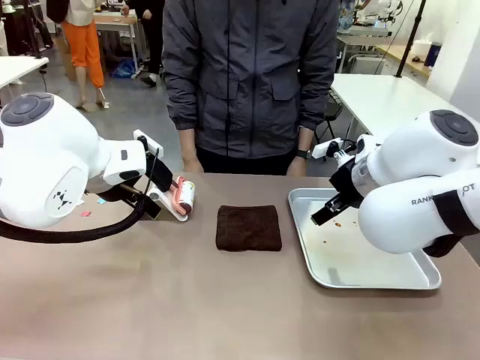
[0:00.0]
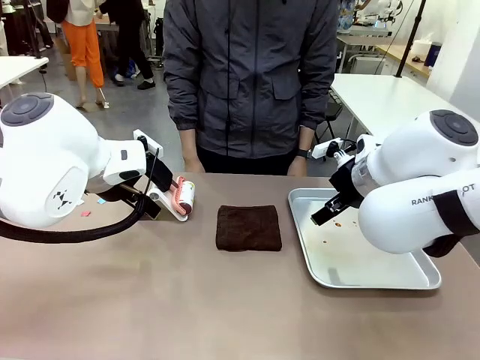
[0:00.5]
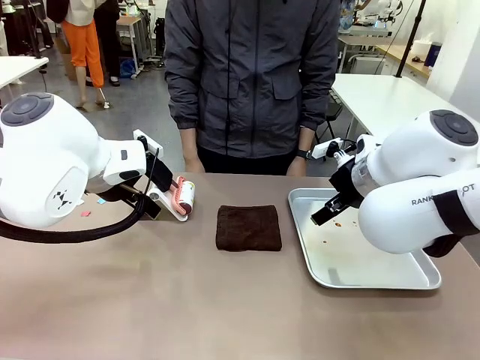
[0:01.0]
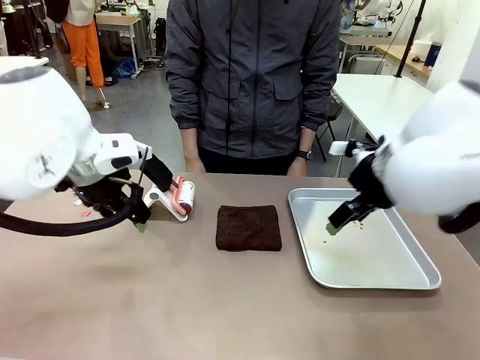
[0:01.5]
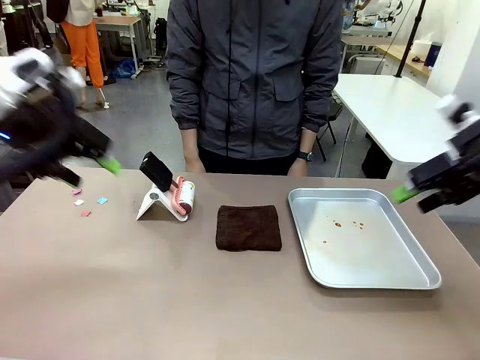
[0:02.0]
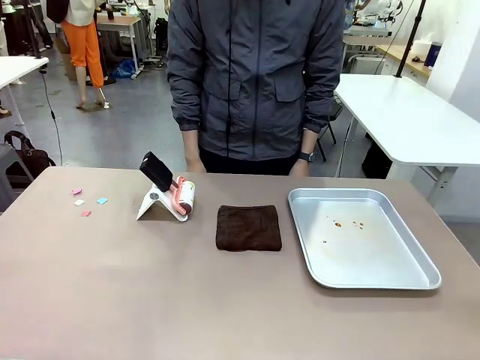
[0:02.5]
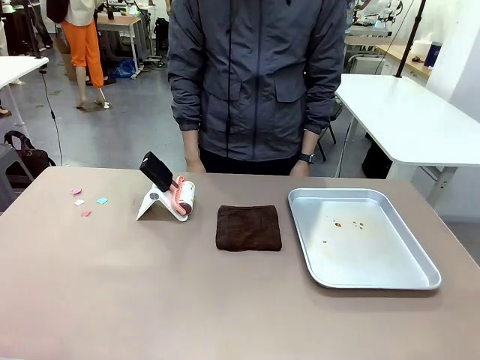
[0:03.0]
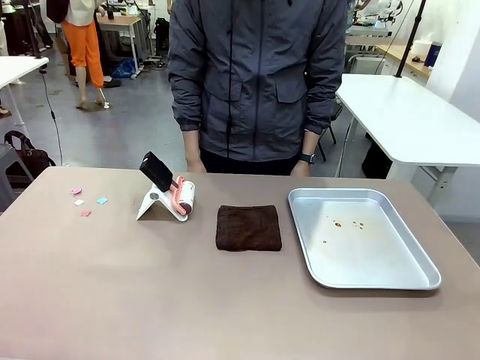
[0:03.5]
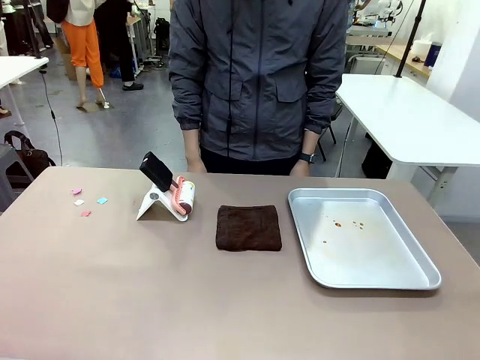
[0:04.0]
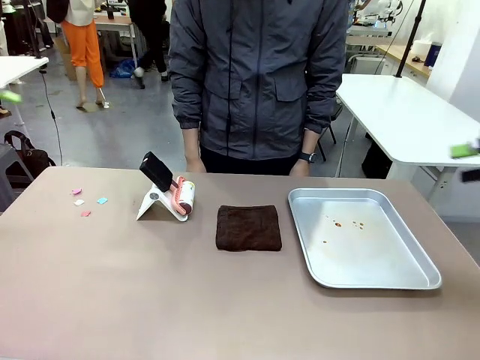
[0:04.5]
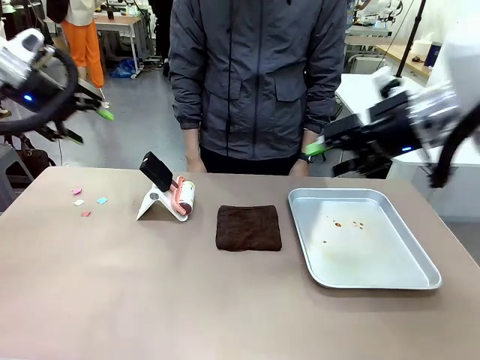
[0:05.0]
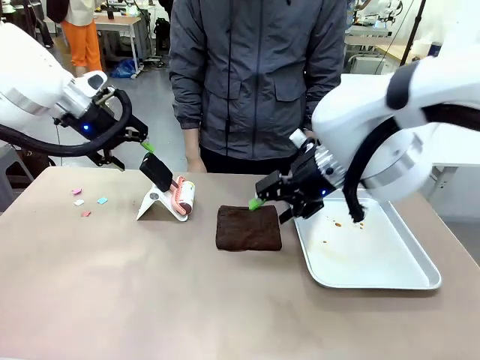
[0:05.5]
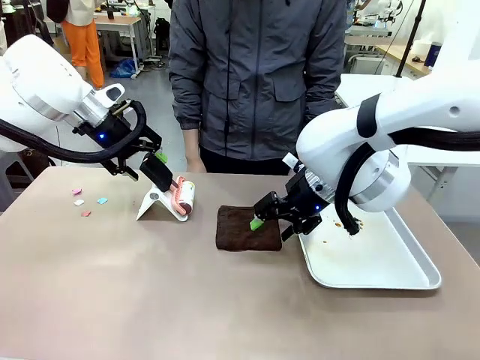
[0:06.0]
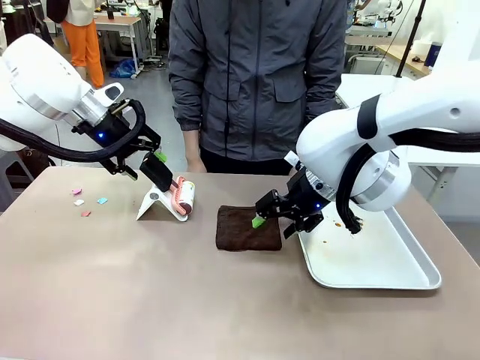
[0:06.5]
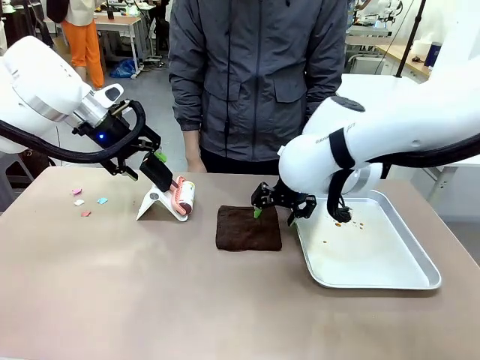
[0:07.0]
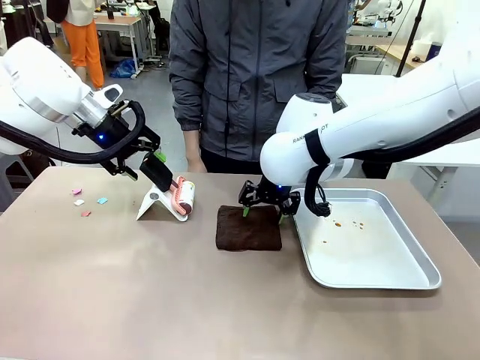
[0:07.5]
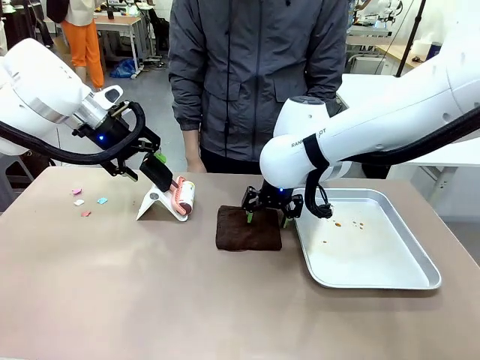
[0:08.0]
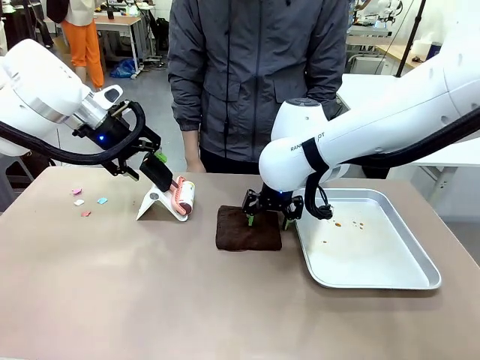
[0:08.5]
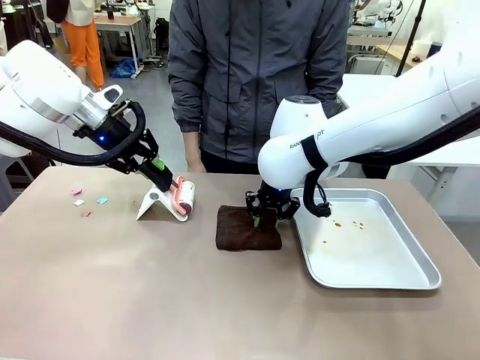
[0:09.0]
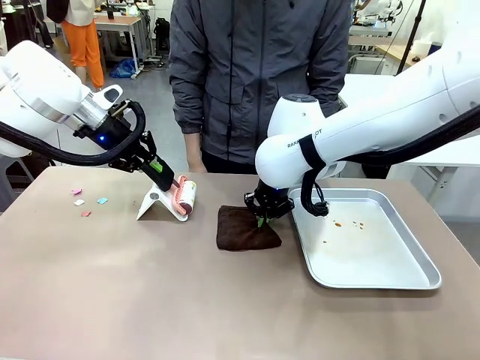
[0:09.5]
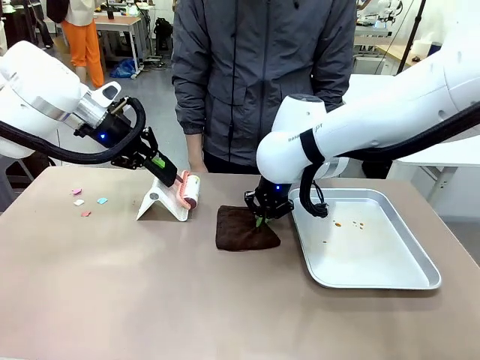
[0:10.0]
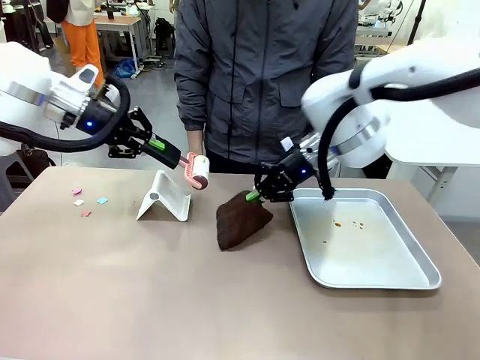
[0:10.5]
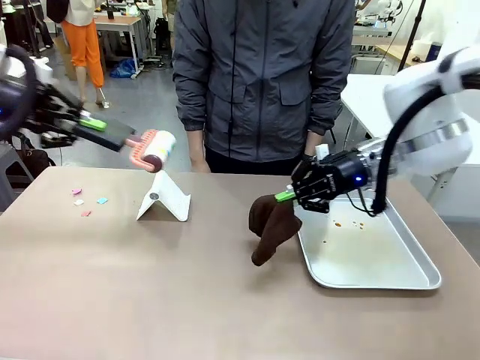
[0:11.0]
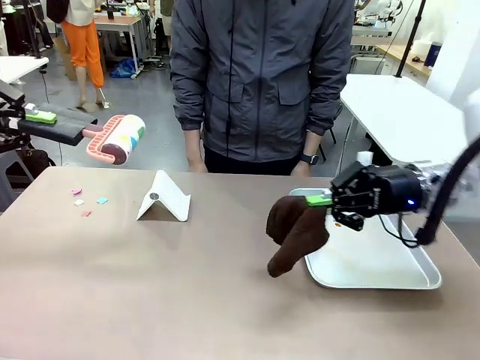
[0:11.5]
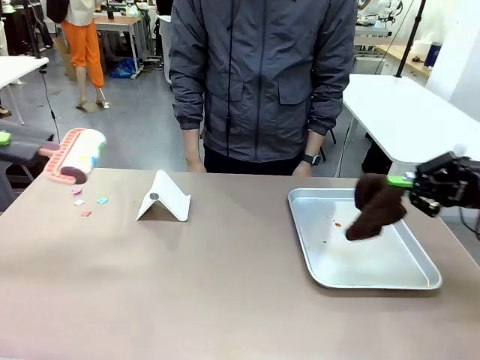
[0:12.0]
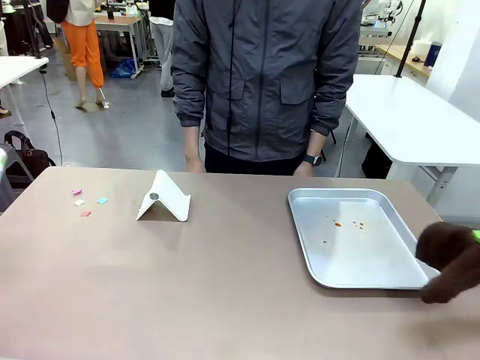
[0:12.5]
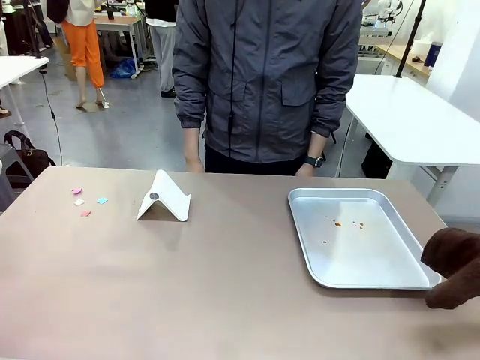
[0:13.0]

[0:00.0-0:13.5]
Task: Clean the surface of the table.
Robot: Hold the Lint Roller with your left hand and the towel with your right hand.

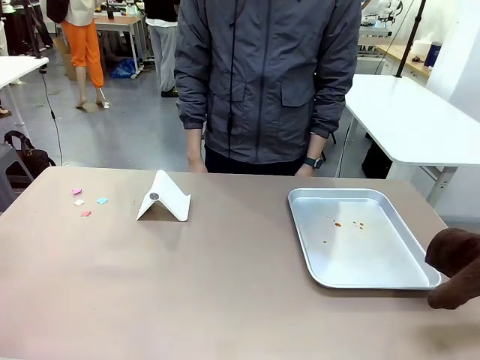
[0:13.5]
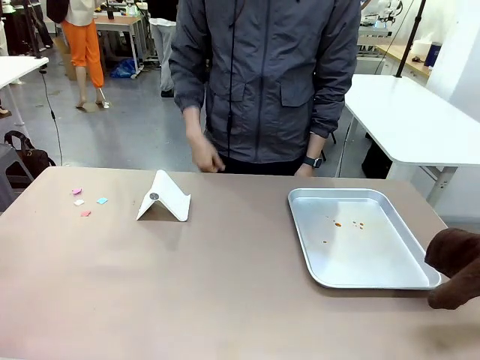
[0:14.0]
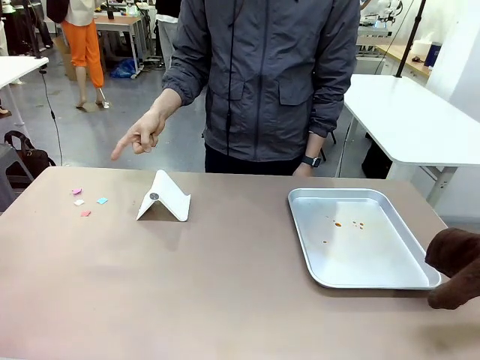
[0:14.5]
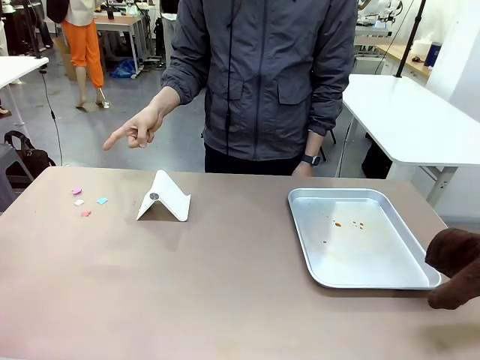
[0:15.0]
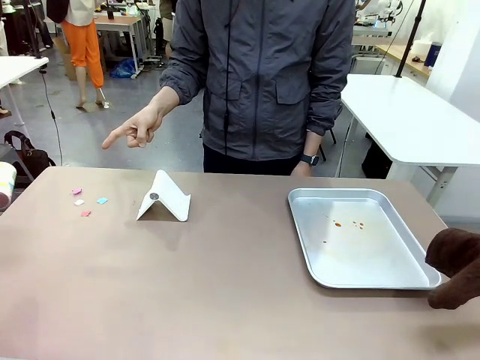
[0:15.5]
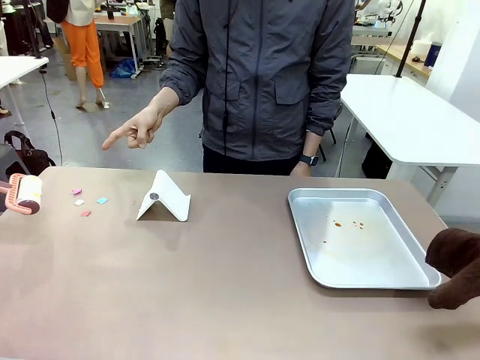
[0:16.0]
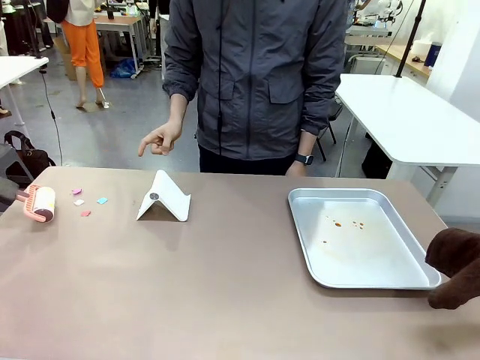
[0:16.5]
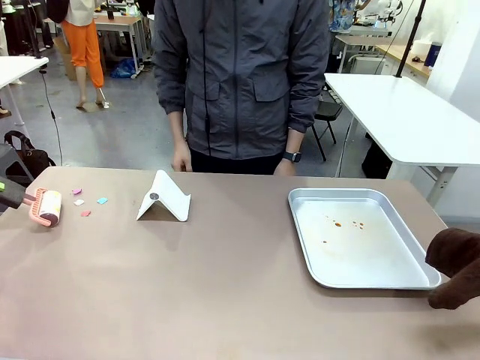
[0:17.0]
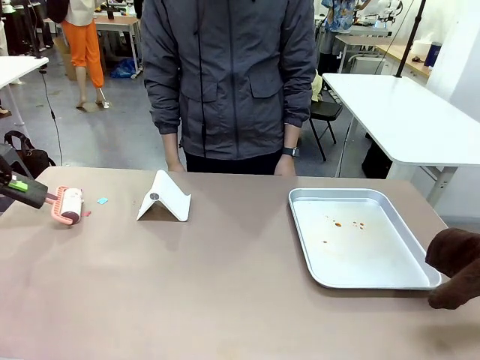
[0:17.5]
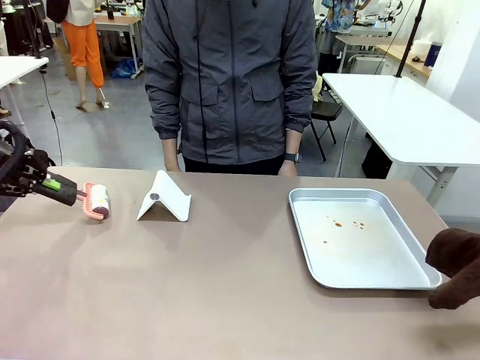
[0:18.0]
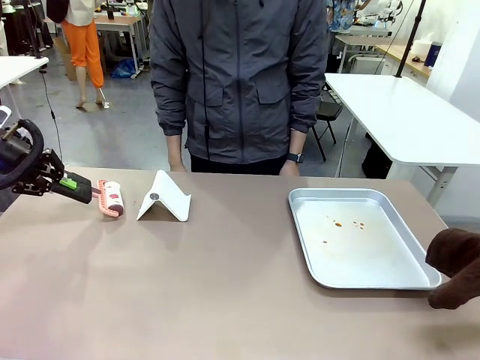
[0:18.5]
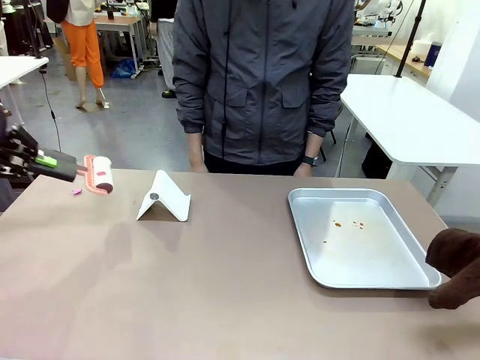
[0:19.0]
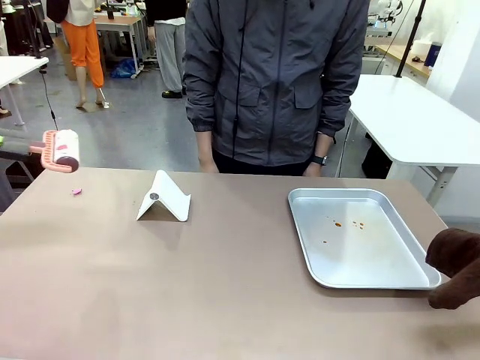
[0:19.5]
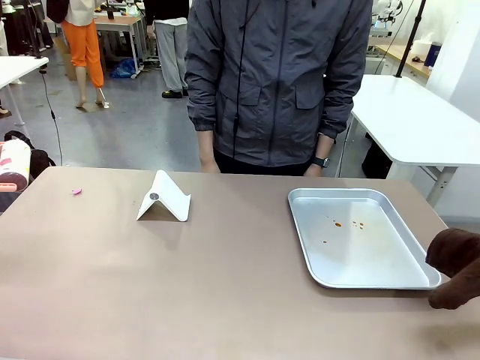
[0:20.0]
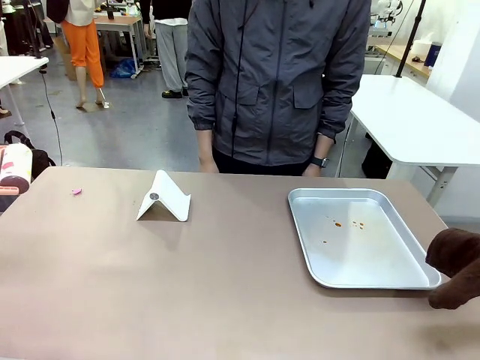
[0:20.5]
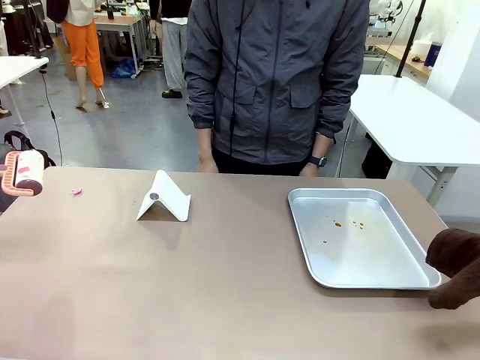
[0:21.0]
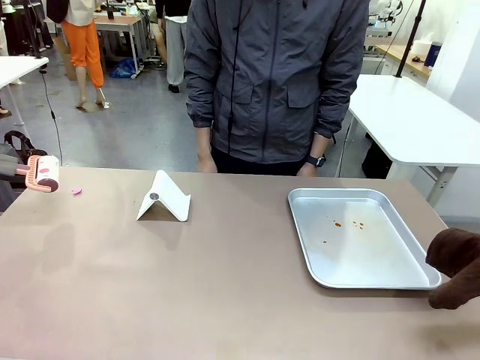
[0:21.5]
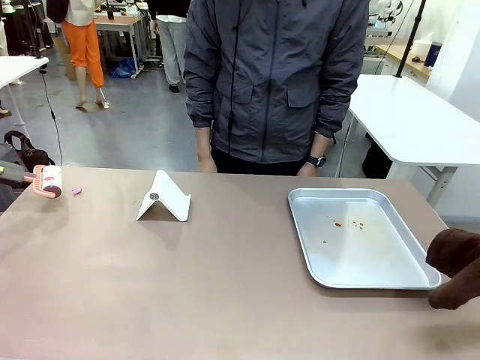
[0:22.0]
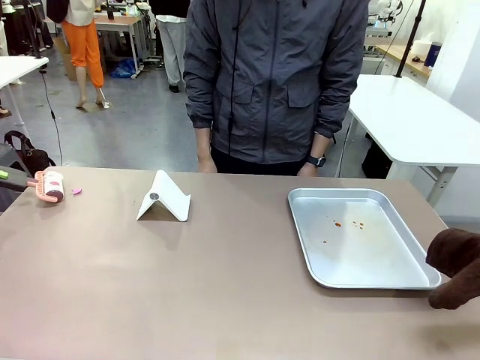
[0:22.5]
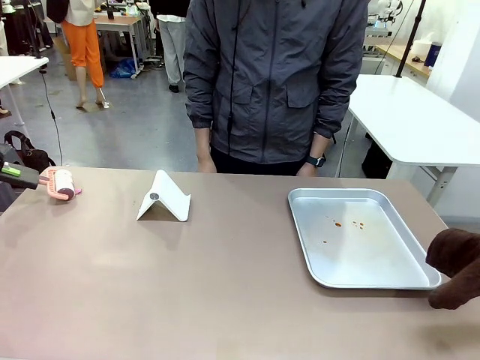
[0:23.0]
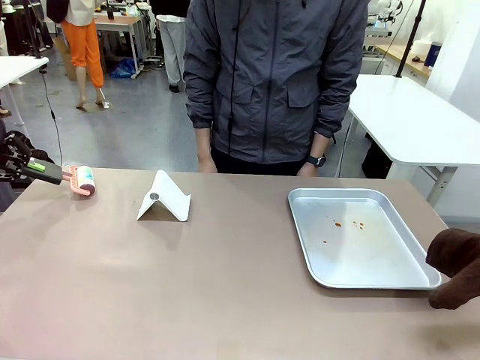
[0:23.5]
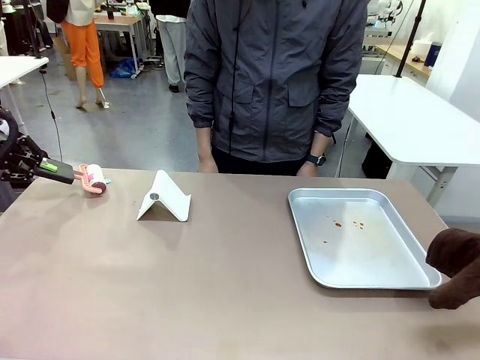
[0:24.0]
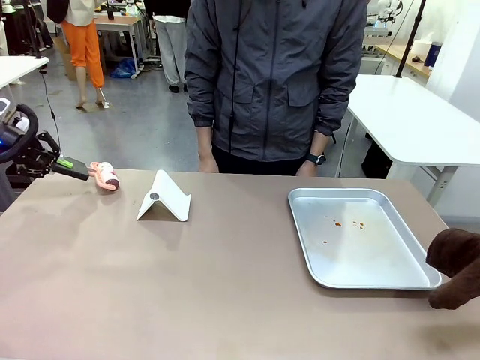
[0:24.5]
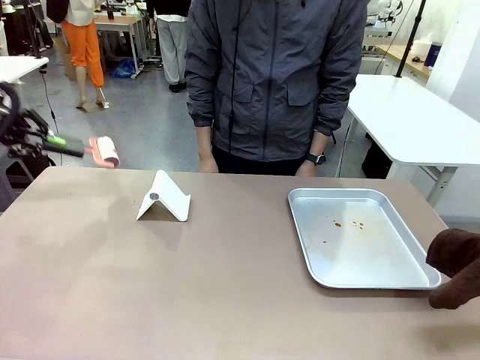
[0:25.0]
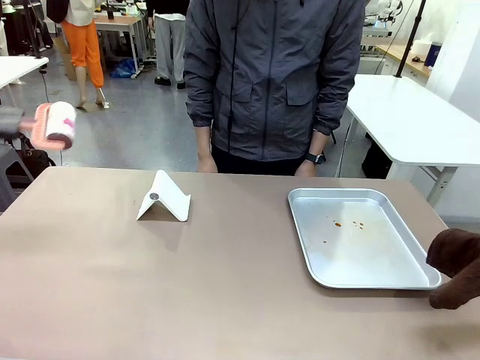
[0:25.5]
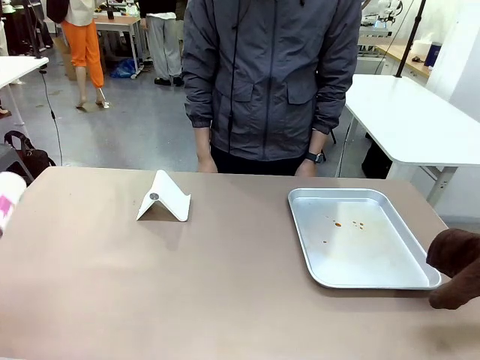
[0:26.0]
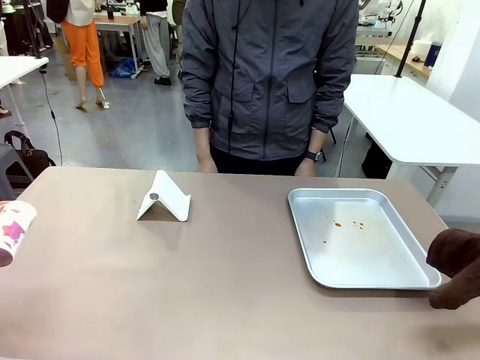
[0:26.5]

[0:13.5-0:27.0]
Robot: If a person points to the right, clean the right side of the table with your right hand, and if they point to the left, clean the left side with your left hand.
